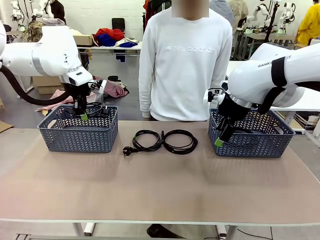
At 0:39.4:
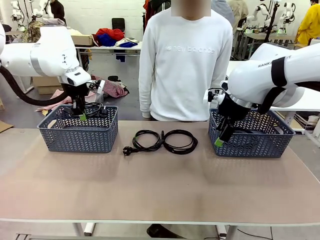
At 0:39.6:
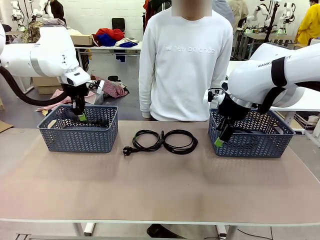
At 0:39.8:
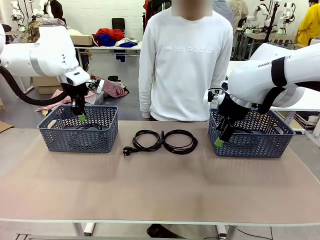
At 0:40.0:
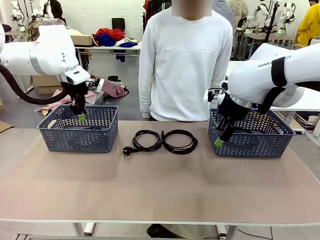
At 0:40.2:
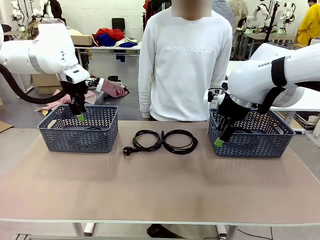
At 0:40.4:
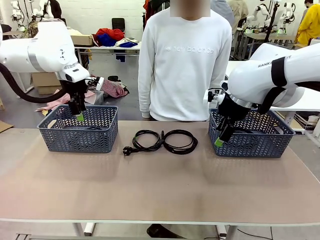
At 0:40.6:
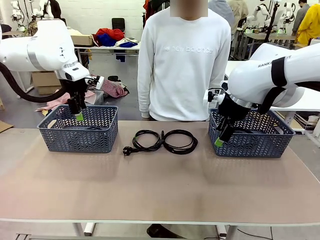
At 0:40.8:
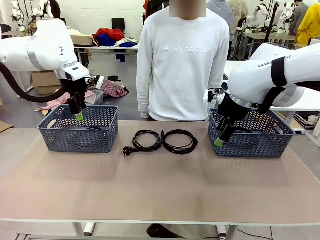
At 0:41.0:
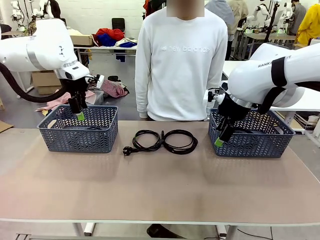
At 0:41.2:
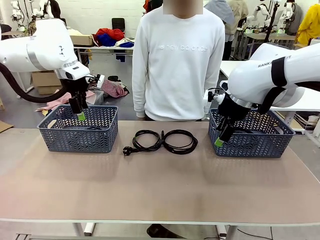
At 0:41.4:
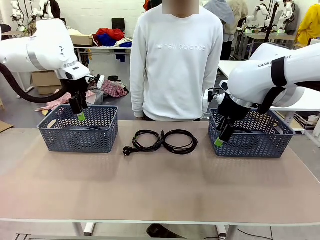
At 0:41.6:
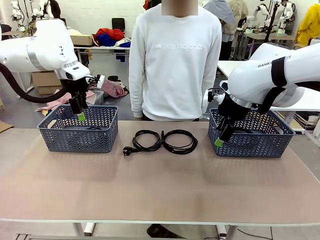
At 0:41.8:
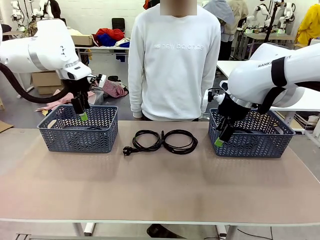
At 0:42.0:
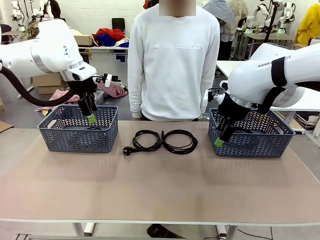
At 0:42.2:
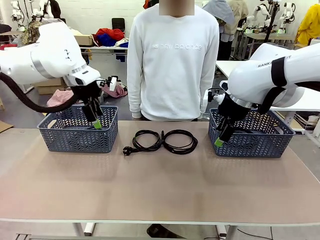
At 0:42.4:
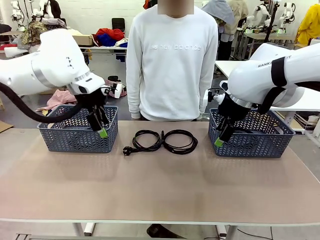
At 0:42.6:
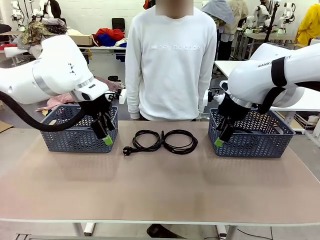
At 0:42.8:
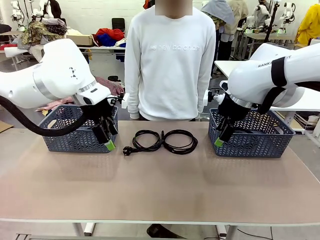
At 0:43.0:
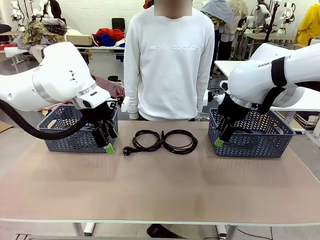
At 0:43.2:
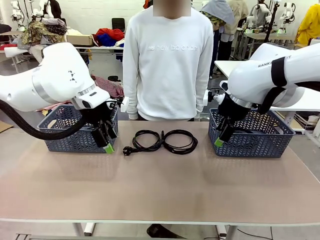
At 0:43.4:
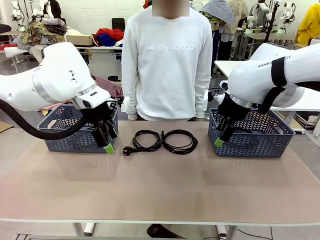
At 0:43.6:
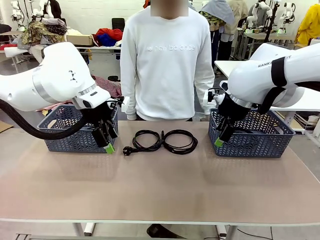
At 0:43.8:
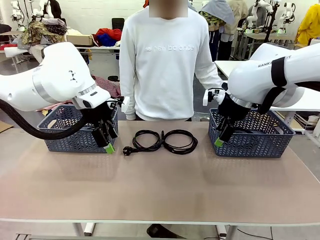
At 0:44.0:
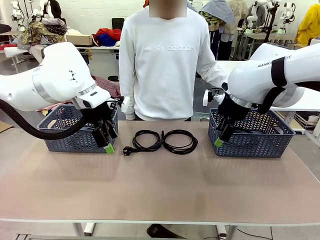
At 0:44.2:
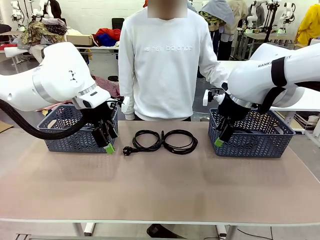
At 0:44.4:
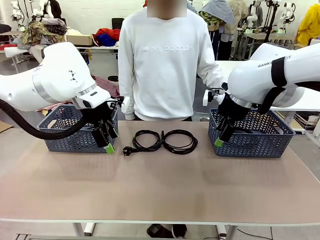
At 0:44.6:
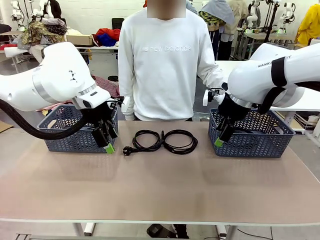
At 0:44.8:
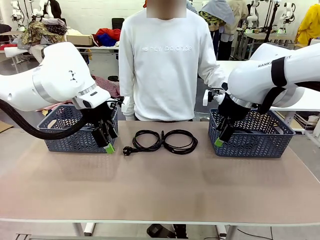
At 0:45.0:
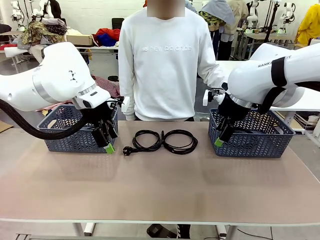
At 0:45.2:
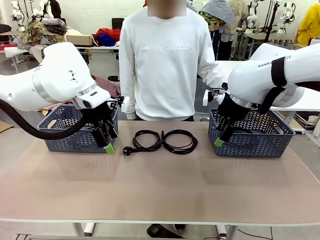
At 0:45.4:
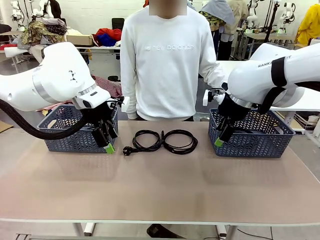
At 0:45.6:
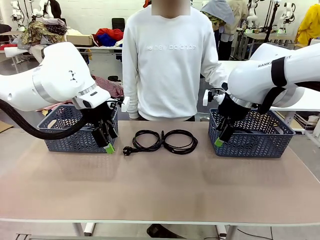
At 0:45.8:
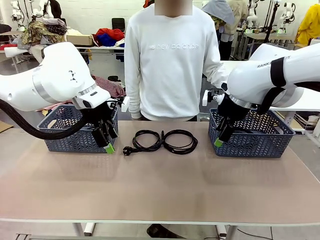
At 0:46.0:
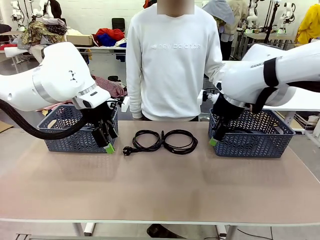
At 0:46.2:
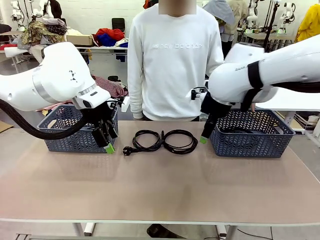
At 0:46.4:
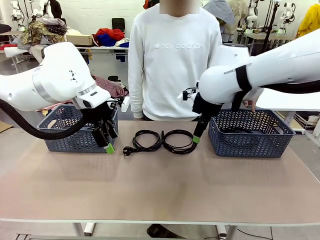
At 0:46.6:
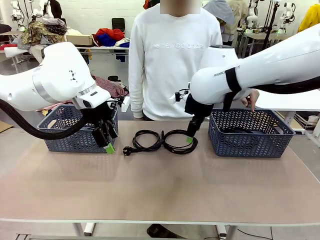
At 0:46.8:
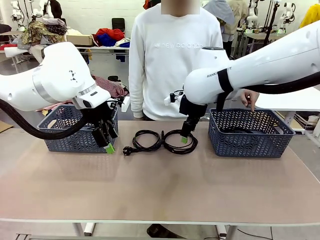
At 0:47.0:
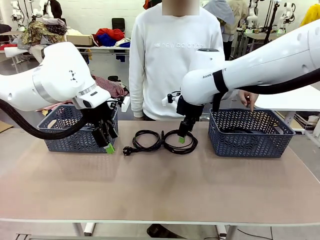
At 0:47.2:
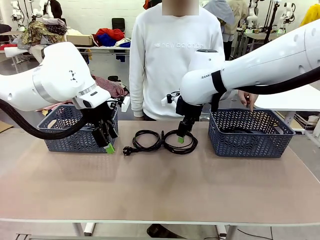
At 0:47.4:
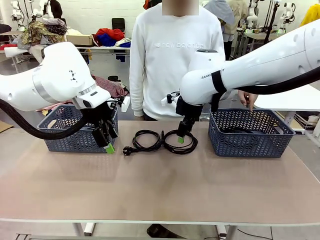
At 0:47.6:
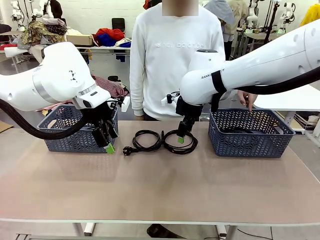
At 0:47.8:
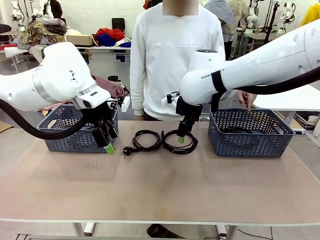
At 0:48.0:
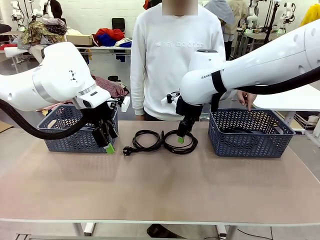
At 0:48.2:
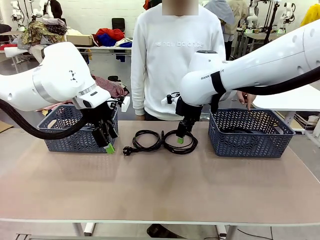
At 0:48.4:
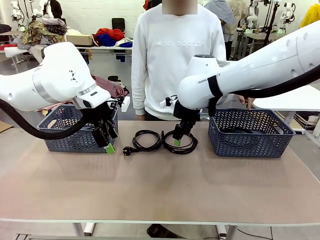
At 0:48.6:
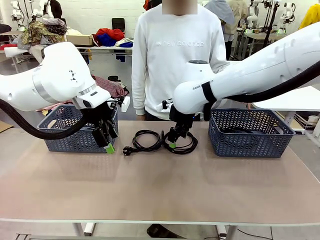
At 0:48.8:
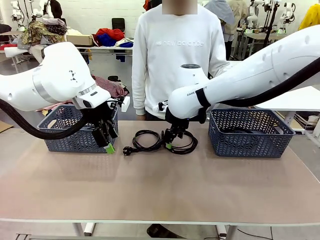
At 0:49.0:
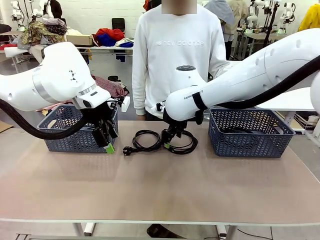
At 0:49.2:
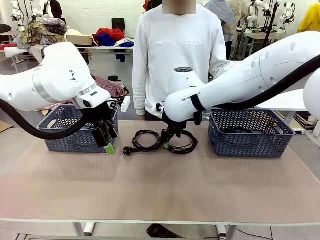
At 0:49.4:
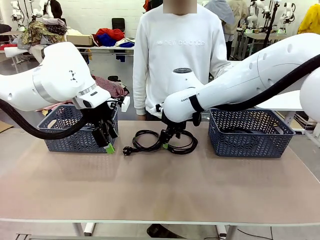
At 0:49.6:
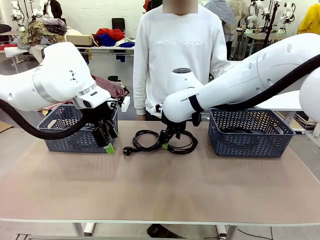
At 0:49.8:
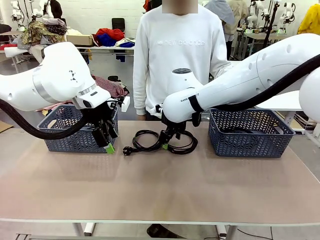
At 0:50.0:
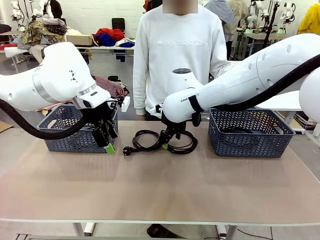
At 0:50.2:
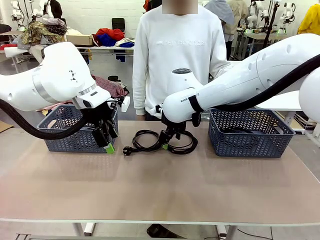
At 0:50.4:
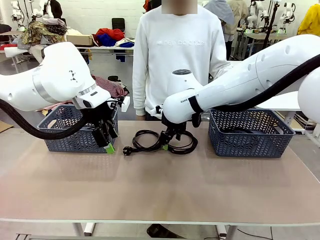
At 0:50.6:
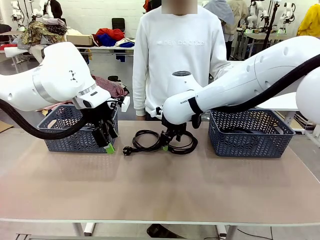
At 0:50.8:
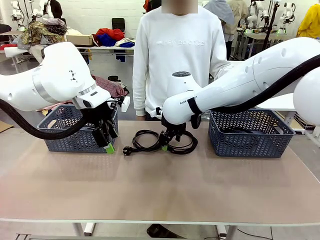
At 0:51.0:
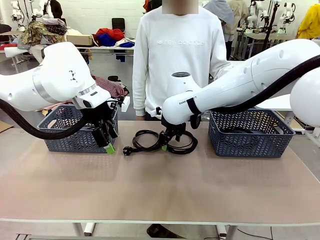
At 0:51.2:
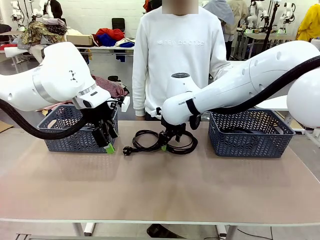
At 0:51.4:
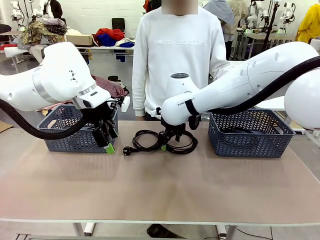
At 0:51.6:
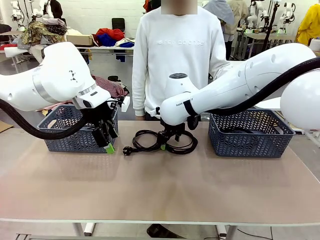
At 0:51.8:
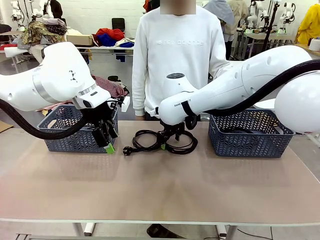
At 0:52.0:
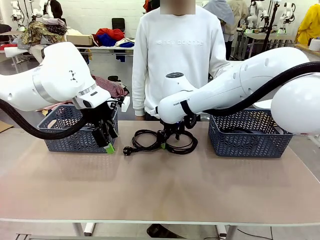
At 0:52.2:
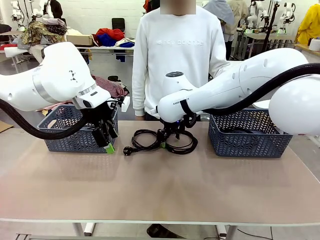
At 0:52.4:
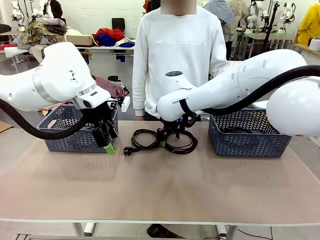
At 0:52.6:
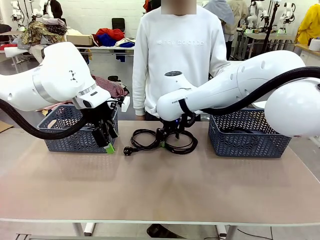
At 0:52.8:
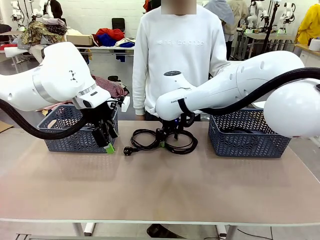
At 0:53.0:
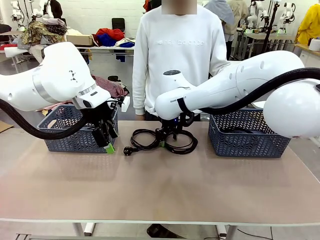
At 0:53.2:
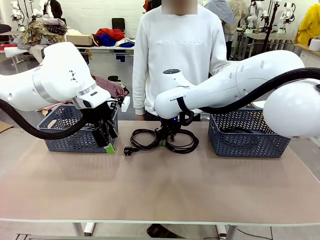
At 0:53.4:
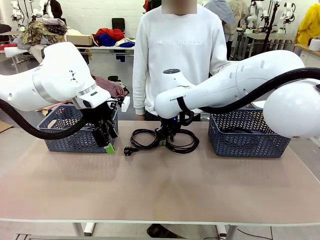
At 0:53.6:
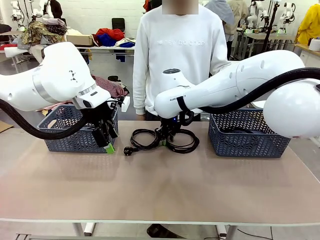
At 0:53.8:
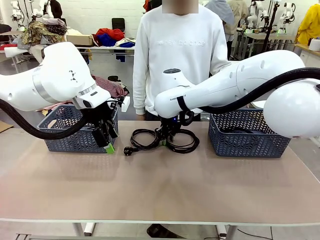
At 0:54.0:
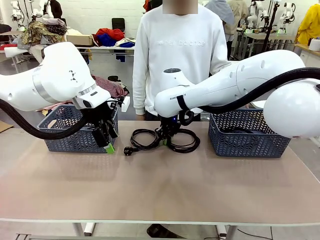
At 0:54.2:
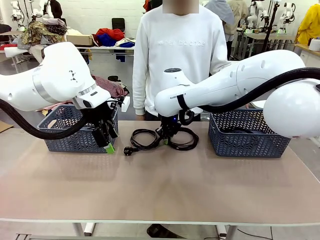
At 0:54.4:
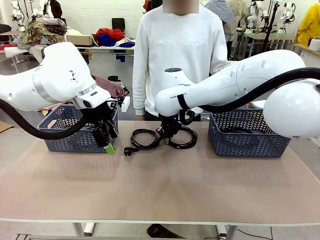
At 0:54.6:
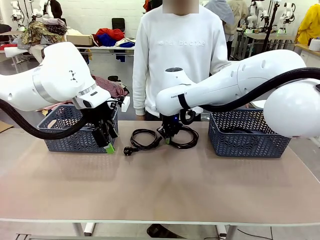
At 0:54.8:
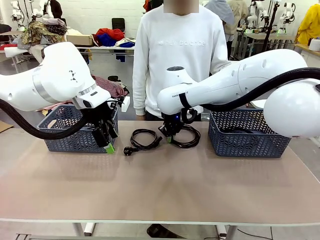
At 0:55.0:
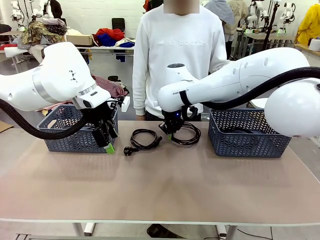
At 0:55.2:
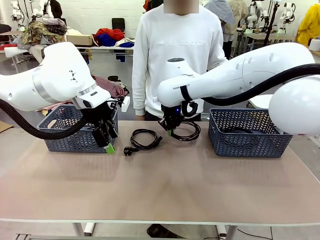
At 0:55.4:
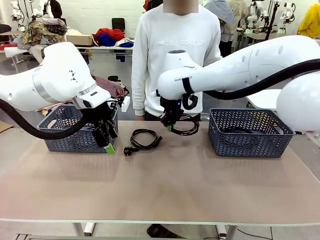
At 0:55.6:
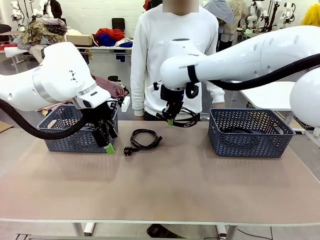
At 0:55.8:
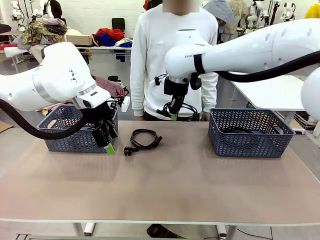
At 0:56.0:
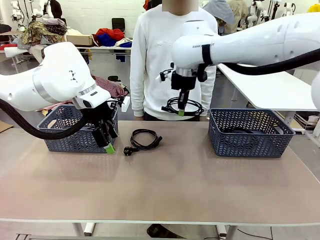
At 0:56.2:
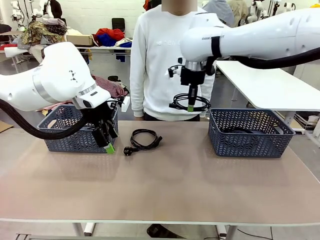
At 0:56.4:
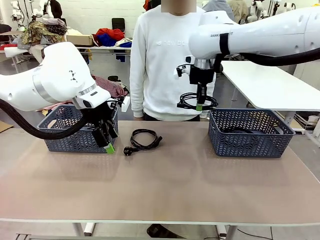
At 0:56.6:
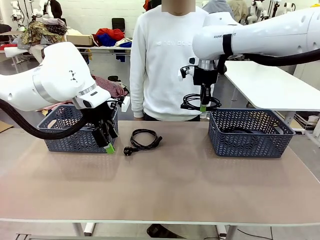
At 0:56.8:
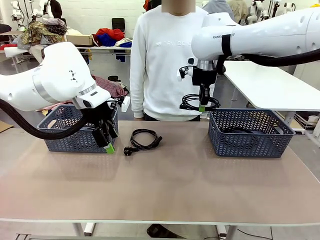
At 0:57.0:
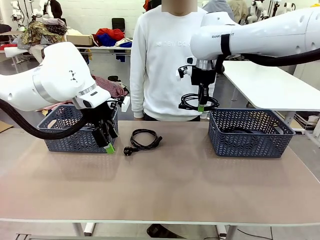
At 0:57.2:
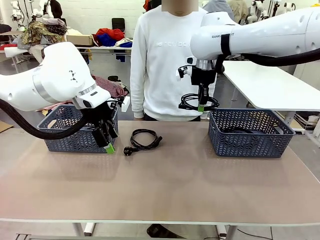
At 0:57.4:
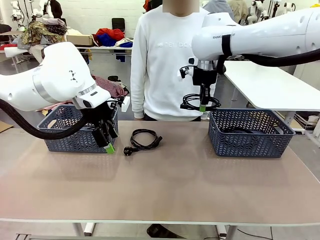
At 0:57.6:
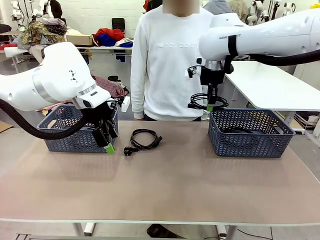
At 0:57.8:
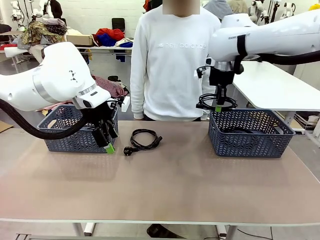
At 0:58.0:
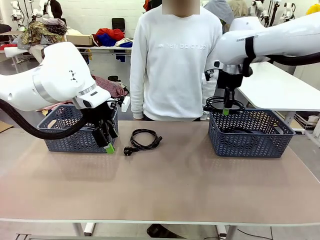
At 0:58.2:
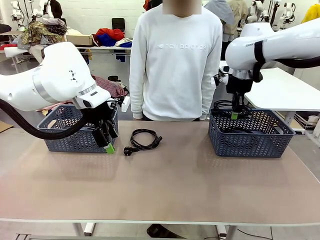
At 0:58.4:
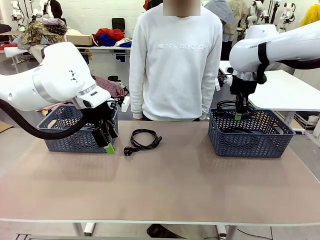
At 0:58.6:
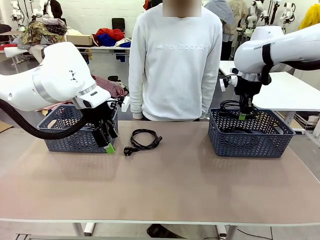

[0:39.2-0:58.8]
Task: Organize the cables according to human instructions.
Robot: Pick up a bundle of cables and place it in the basket indicated by the human.
